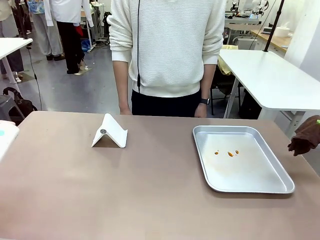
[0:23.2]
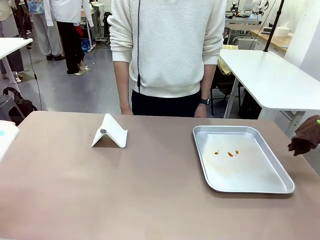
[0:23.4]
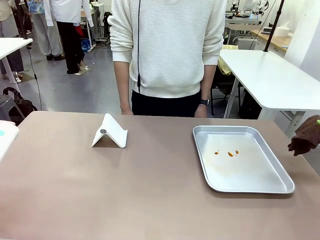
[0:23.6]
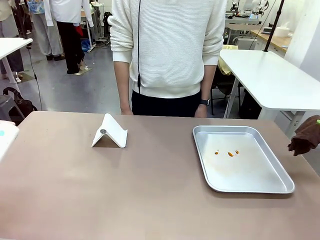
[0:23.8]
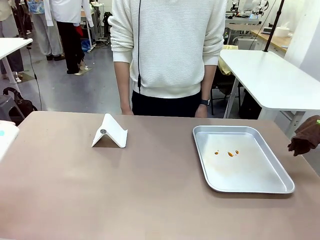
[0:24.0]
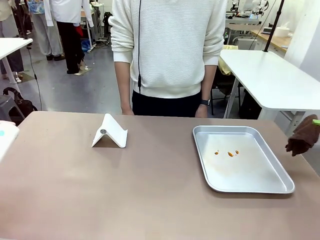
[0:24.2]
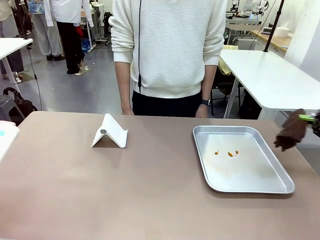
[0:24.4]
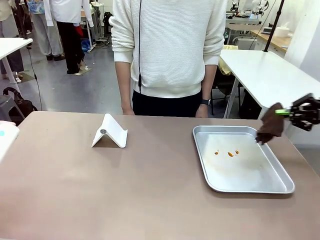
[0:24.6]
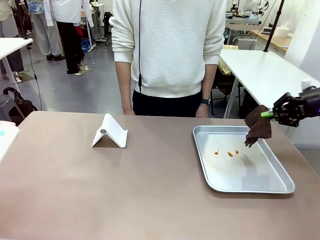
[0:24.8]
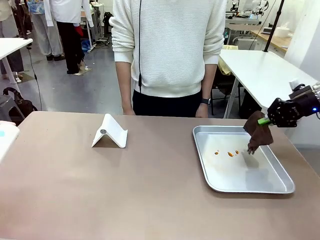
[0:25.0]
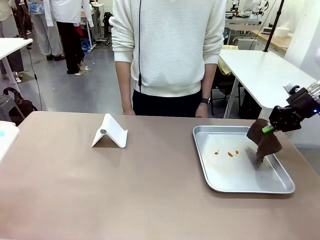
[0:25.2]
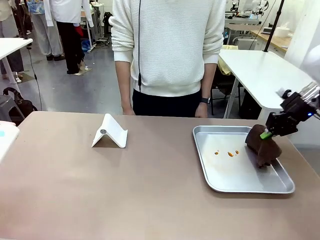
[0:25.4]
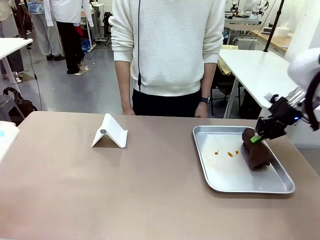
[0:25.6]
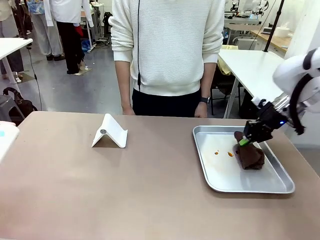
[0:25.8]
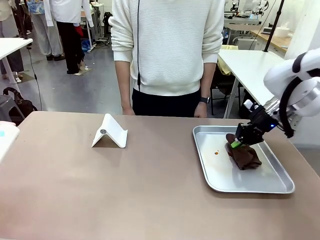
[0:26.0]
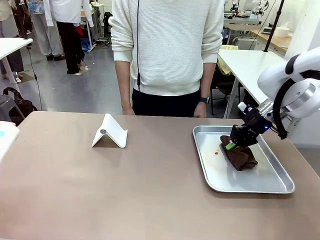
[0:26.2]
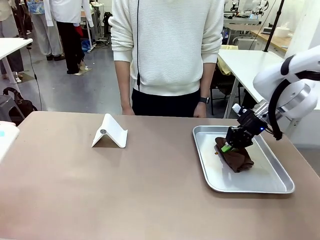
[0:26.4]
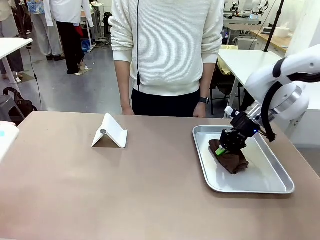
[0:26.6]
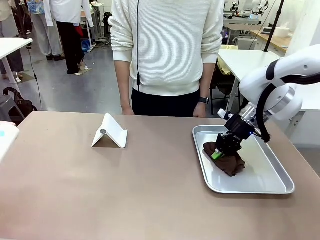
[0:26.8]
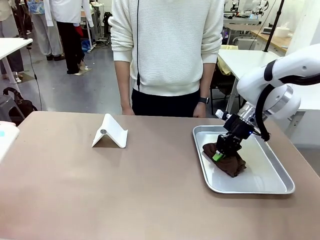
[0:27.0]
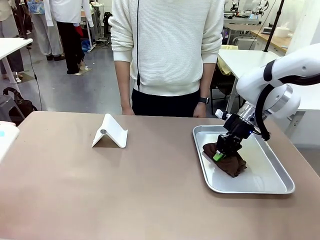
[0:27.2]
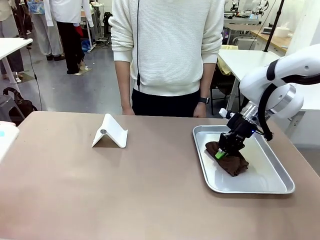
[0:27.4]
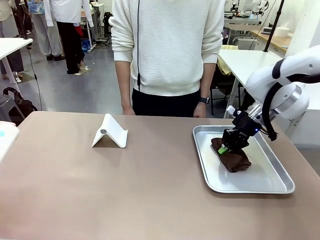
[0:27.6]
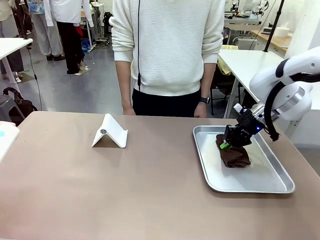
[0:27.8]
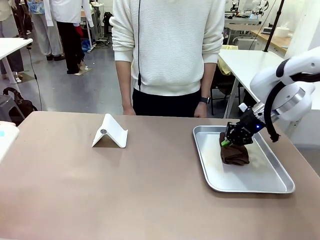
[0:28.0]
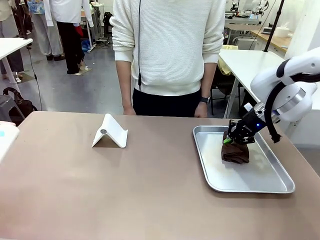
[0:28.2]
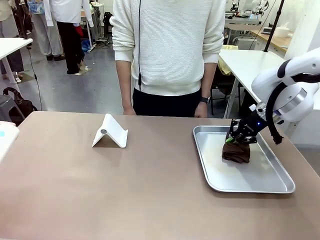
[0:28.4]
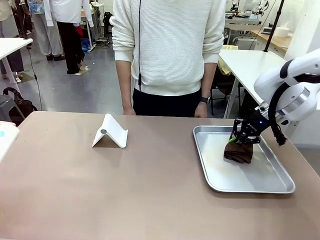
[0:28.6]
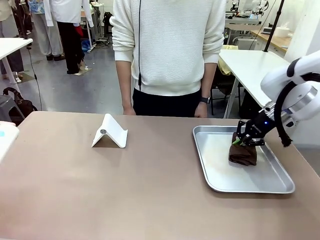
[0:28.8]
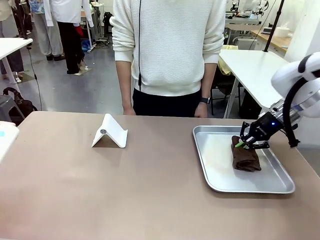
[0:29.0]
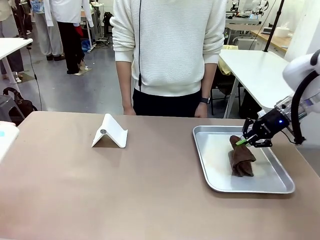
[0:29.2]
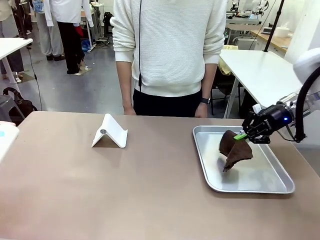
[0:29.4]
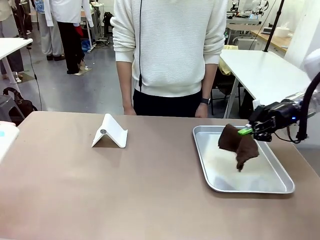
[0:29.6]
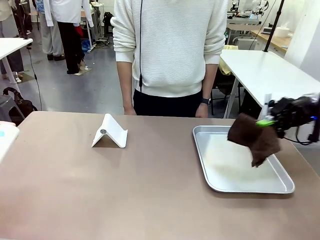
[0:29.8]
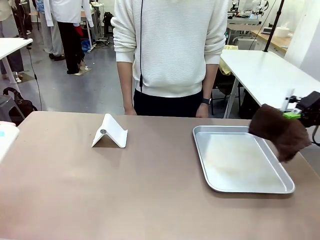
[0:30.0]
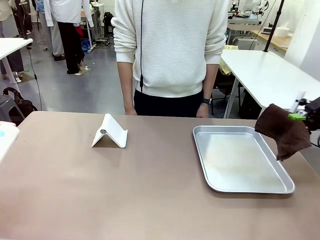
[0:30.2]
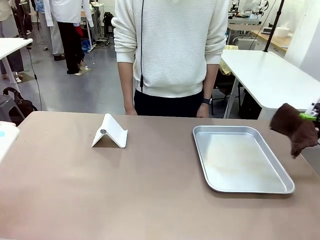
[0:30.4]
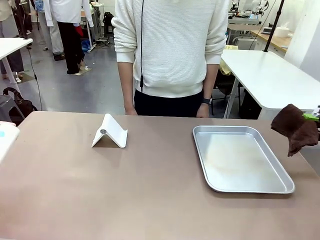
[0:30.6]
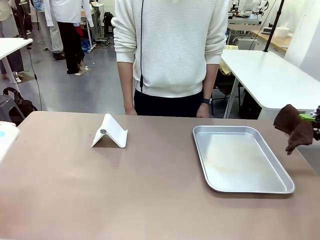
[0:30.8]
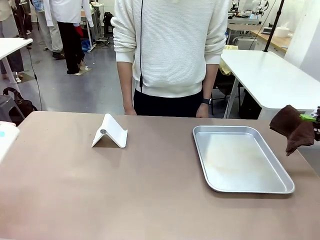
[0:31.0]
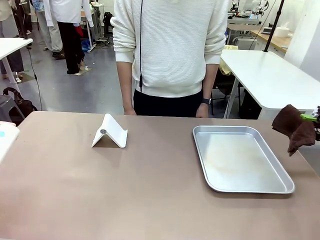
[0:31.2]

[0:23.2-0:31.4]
Task: Clean the surface of the table.
Robot: Clean the area not pointed to by the person.

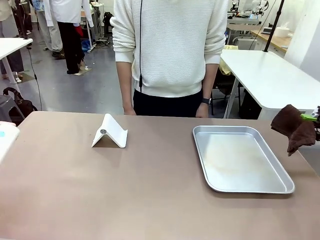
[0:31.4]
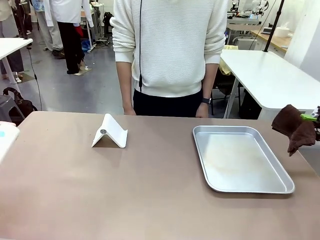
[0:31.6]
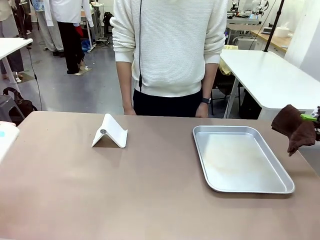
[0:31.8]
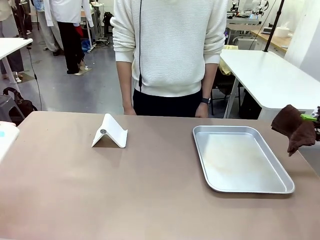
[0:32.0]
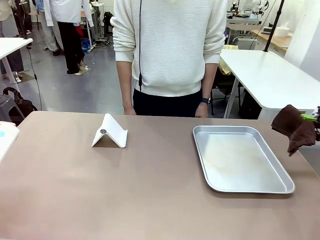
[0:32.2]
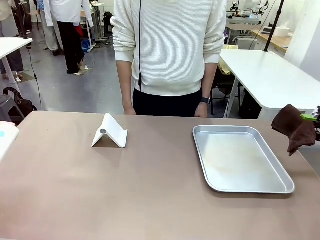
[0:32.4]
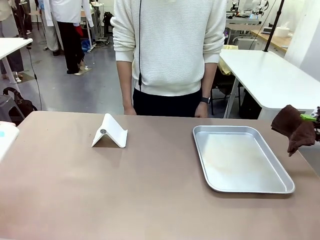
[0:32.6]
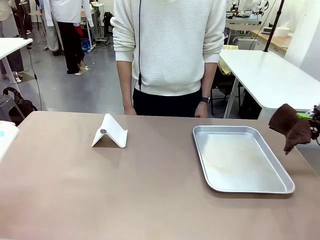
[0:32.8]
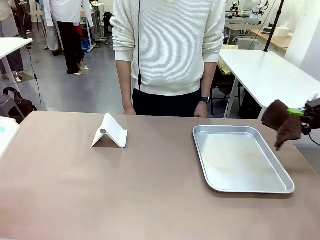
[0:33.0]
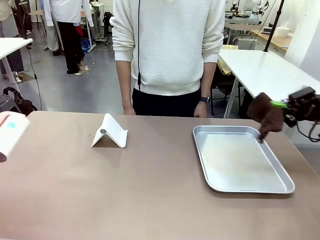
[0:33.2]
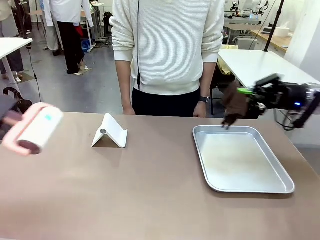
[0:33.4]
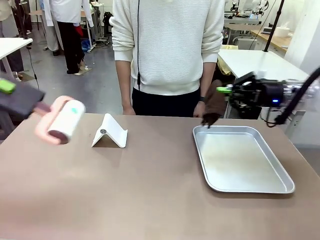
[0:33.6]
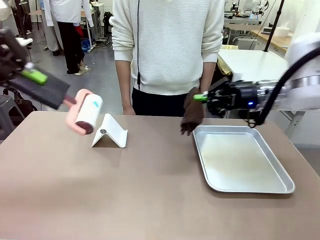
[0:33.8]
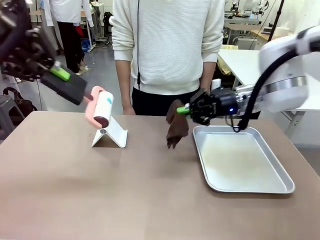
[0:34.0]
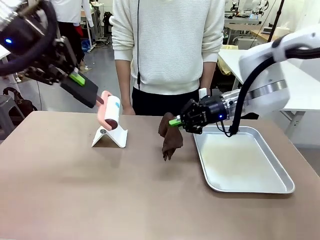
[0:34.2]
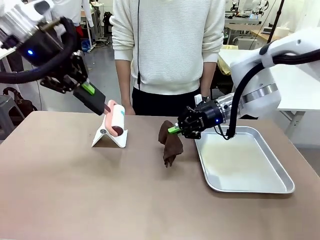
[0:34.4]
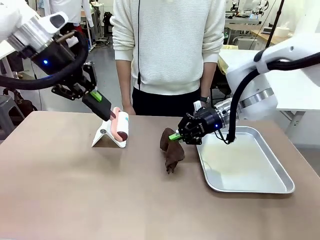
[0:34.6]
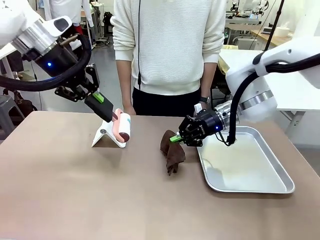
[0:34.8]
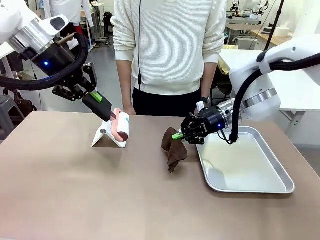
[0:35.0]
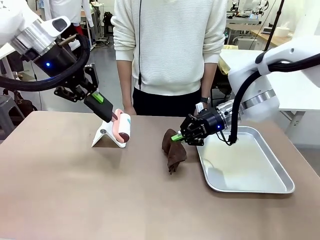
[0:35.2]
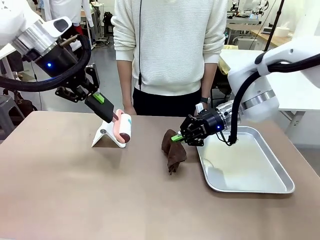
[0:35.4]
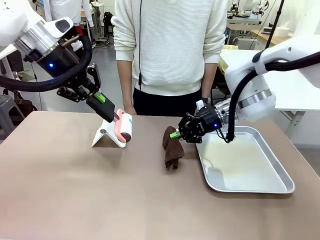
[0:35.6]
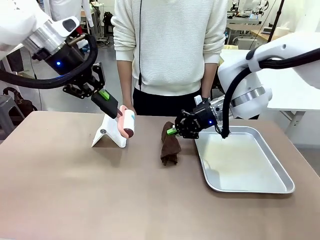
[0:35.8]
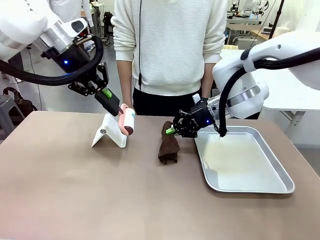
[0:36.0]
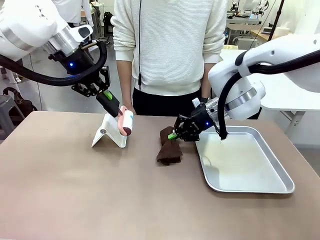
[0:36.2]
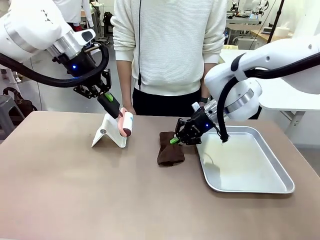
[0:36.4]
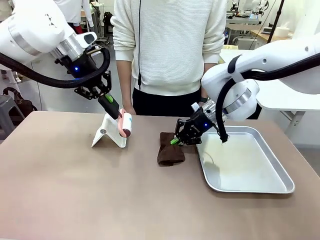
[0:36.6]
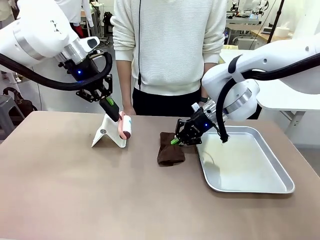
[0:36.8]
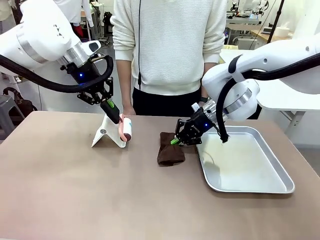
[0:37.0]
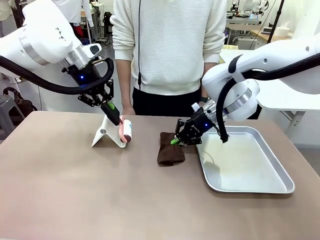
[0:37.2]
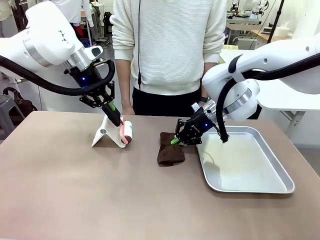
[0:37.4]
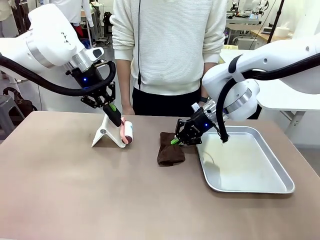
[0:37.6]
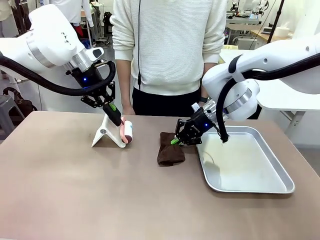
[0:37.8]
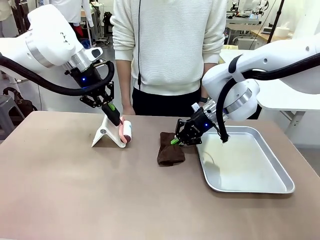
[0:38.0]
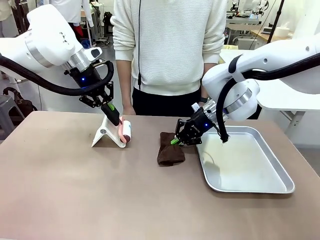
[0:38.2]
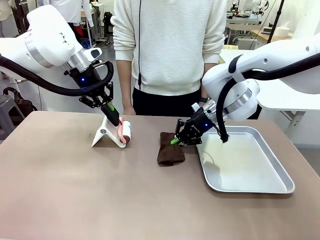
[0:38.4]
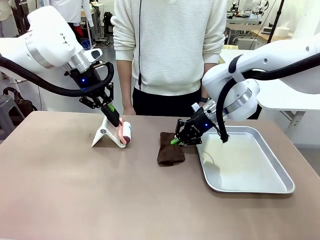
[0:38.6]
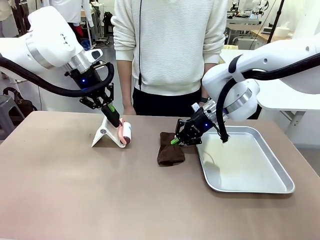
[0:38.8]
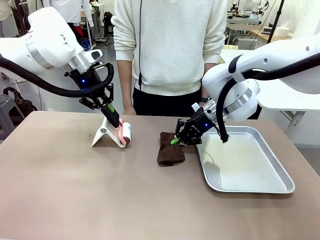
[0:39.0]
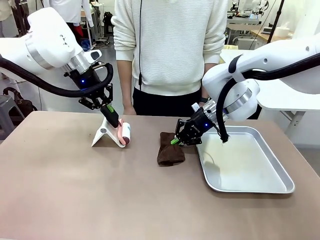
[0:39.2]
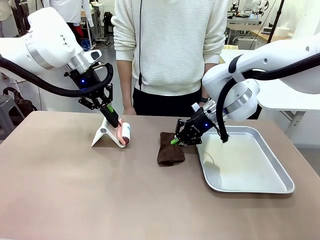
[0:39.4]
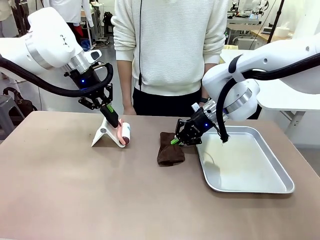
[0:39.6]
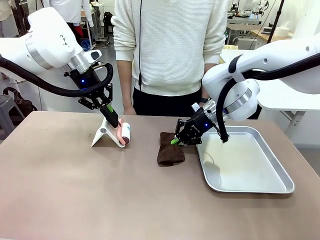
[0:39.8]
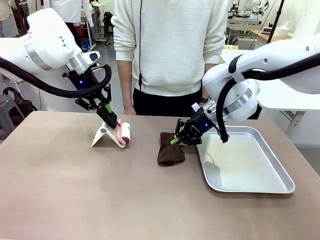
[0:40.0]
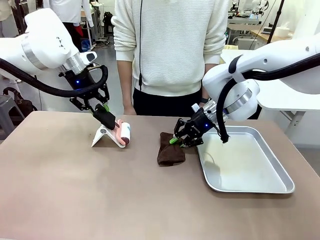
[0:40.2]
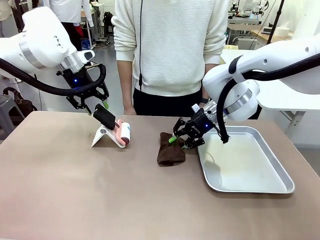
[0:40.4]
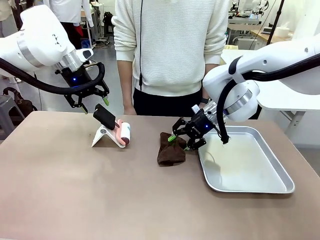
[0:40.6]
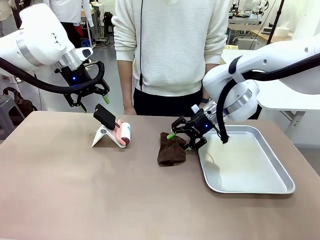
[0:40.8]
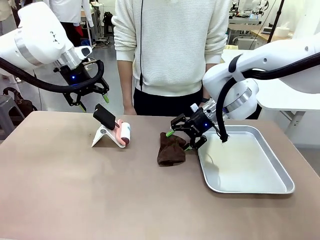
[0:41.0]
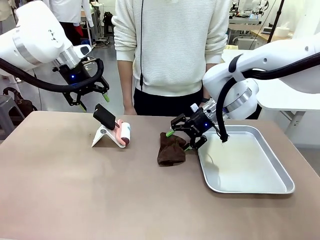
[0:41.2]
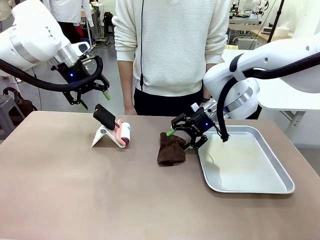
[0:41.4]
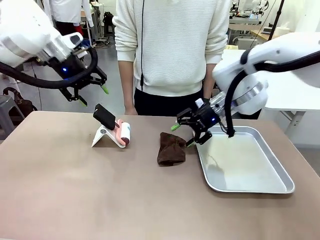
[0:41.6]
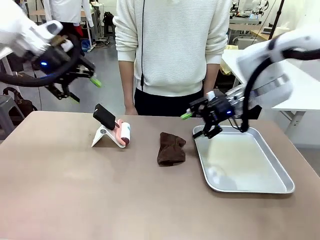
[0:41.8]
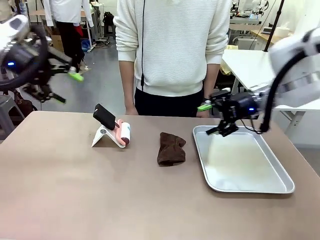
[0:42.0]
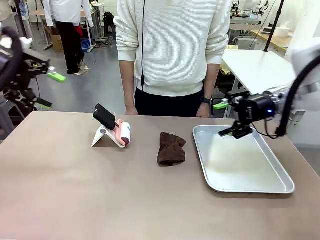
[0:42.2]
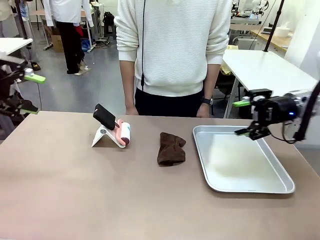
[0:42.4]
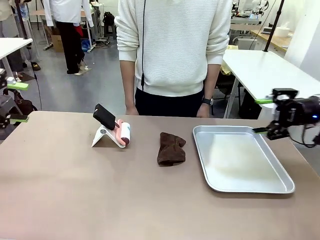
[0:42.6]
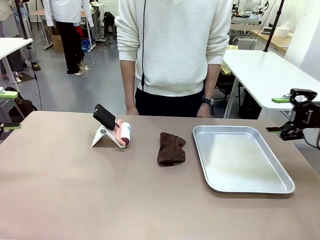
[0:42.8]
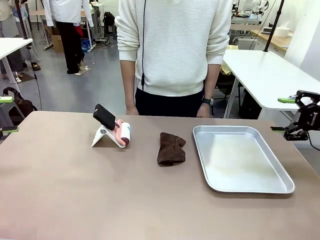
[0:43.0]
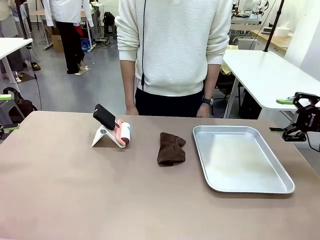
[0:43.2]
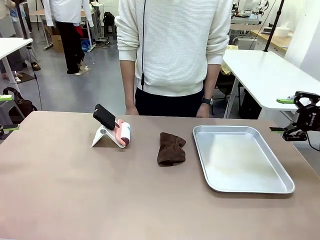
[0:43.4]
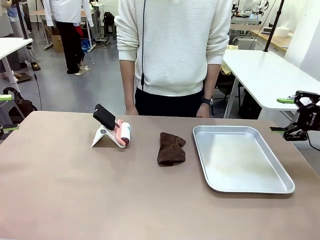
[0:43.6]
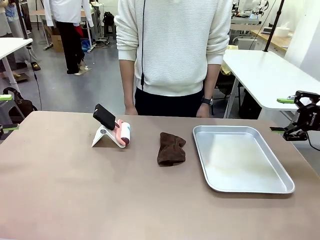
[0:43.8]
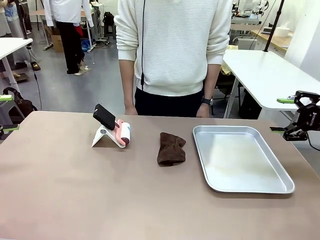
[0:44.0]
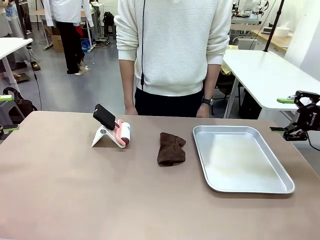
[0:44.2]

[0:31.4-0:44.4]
Robot: Return the Lint Roller and towel to their original positions.
